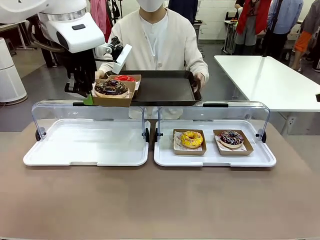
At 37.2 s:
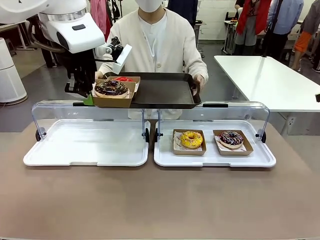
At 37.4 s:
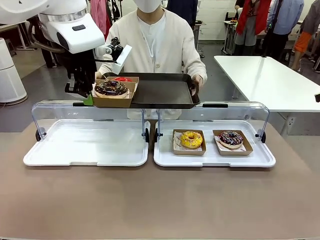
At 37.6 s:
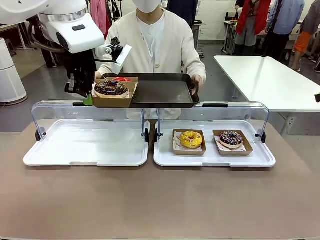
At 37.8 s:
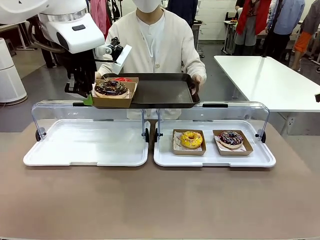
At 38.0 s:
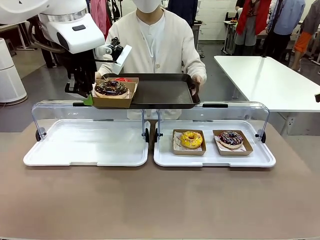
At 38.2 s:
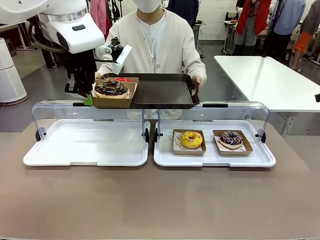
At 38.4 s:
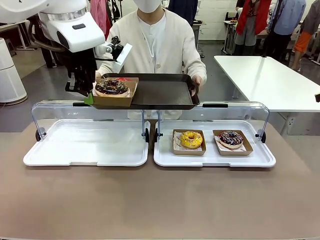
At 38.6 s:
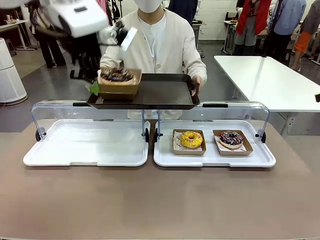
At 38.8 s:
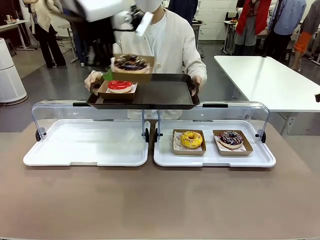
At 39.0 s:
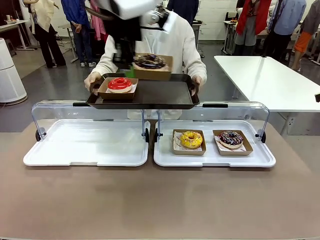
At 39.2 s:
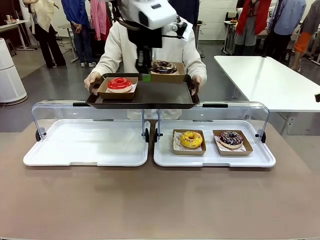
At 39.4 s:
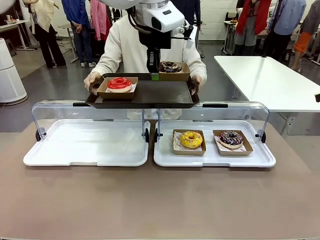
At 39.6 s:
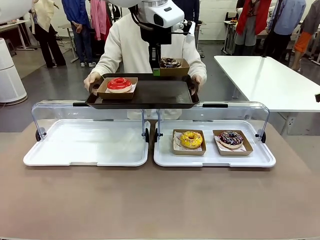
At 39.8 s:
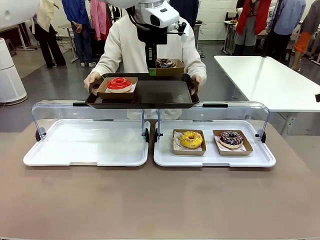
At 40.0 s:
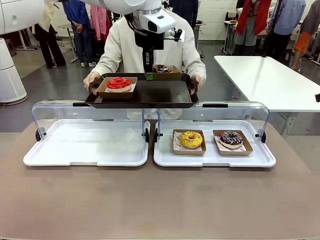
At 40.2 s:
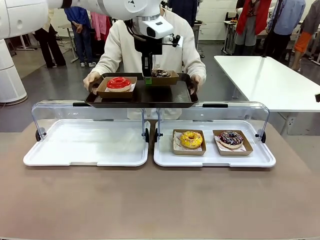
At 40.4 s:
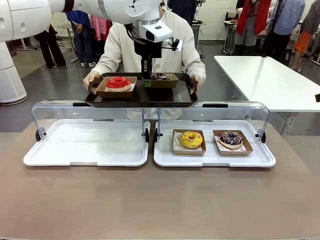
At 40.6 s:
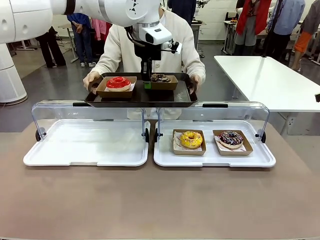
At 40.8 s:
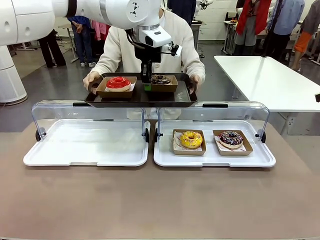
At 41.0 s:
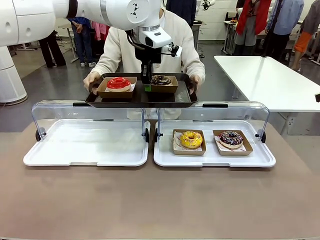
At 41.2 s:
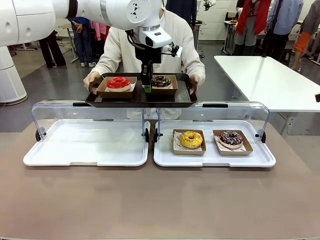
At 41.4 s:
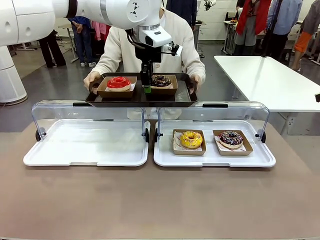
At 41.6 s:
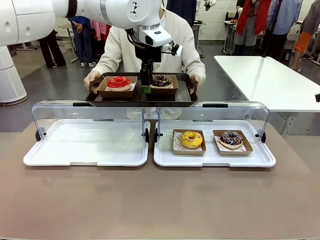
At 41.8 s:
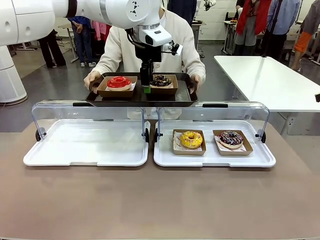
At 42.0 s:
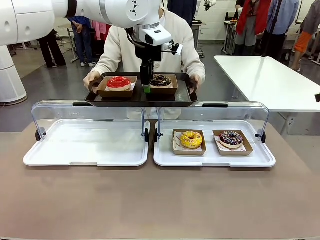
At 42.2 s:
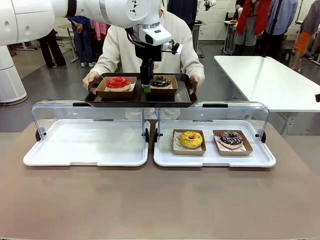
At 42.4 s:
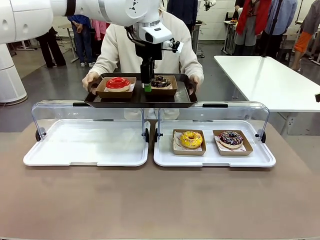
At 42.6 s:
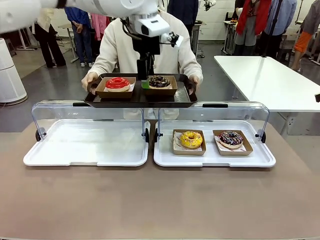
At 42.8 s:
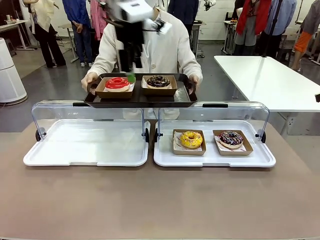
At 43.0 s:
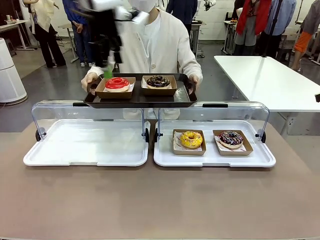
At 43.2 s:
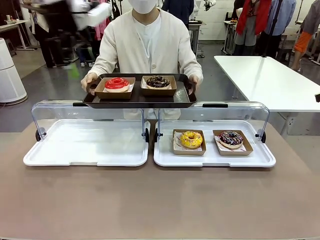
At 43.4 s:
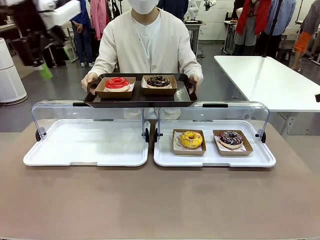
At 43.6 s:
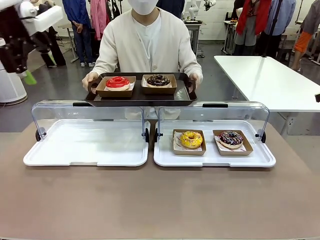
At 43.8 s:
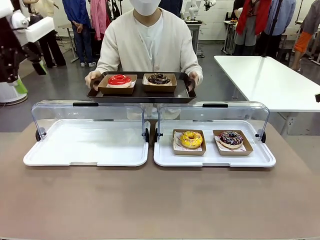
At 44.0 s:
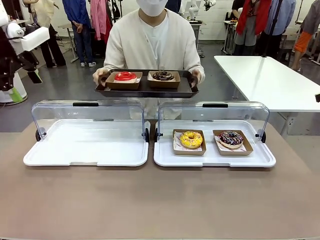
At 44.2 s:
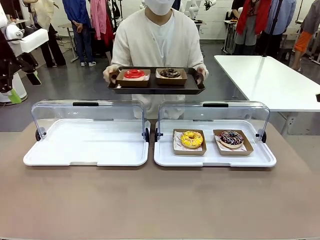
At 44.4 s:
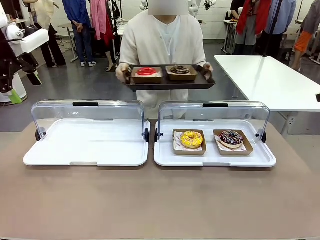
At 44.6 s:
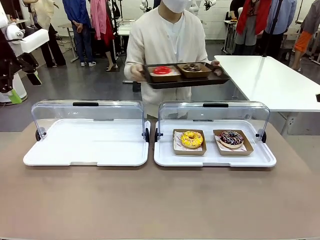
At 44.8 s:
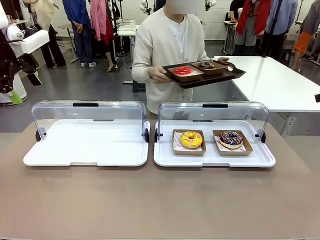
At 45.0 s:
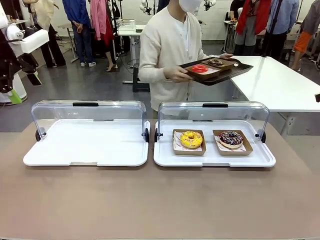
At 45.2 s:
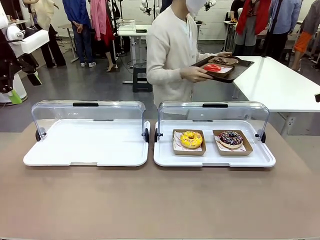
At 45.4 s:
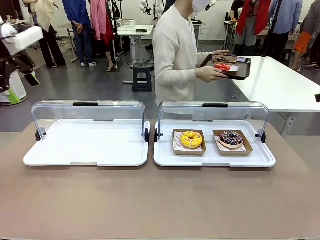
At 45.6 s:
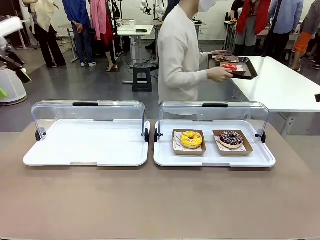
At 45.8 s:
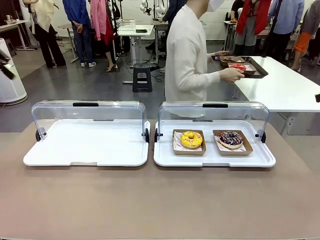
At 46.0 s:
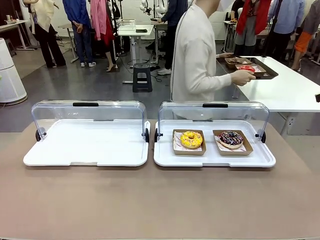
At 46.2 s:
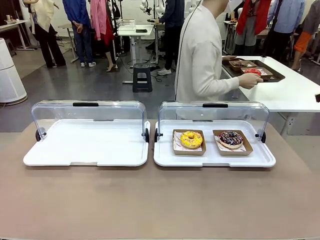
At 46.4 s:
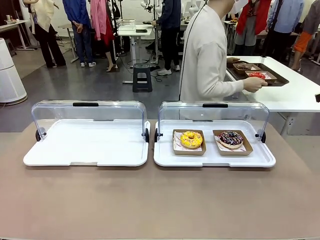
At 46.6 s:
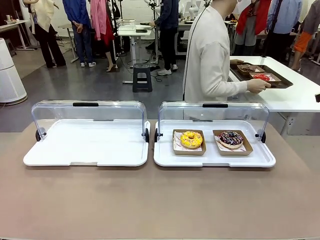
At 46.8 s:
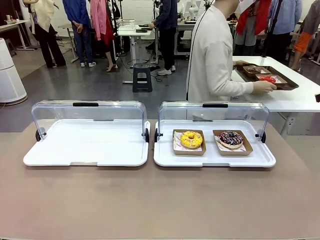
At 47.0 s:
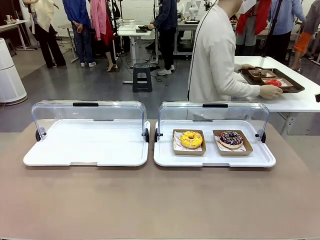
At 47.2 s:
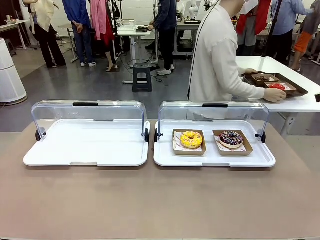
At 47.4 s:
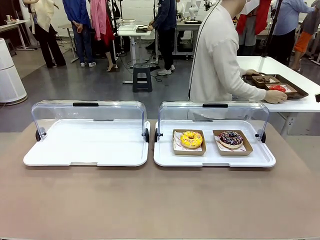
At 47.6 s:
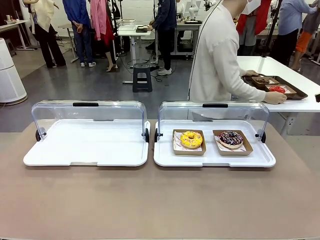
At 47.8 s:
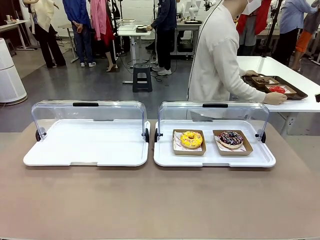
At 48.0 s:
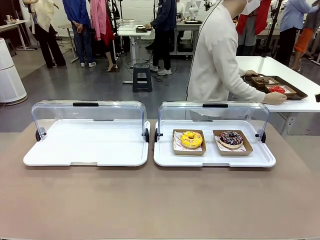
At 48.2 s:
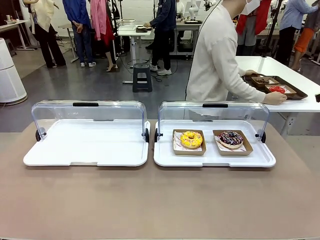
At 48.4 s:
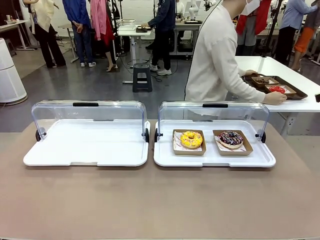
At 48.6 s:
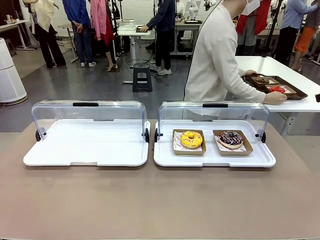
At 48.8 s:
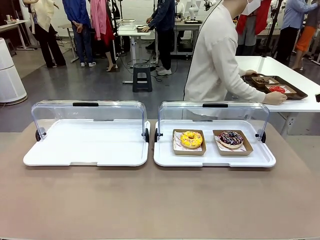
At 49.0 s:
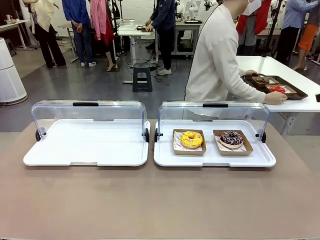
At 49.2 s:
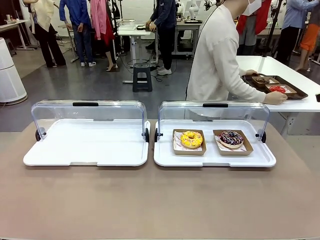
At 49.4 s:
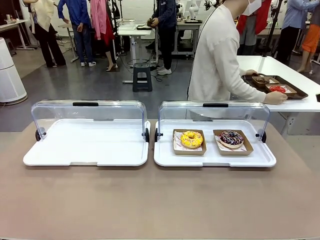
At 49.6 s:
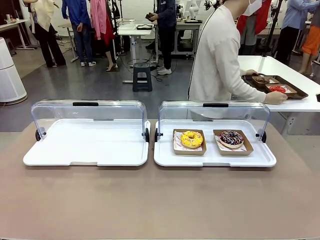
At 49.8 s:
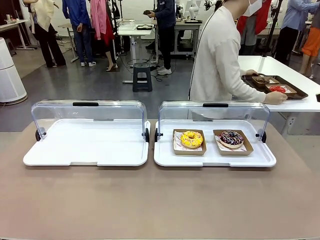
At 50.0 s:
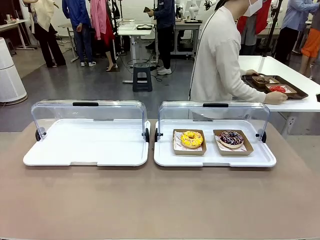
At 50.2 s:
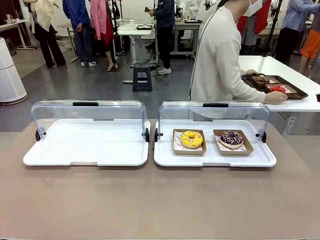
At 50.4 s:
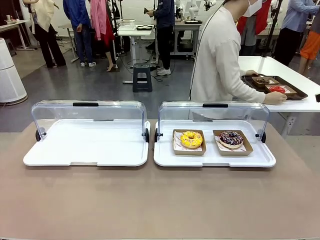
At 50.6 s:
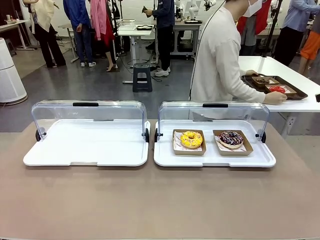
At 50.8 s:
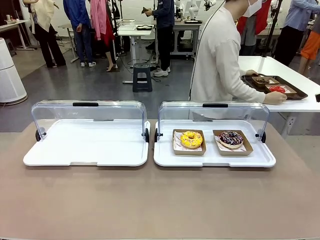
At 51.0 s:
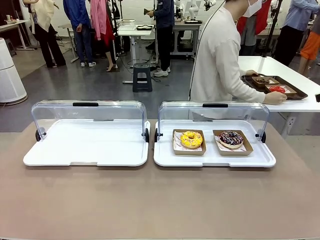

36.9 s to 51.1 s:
Task: Provide the desired donut to the person.
Robot: Place the picked Paper togo box onto the Handle tray extended by the person.
Person: Place the tray in the middle of the human table.
